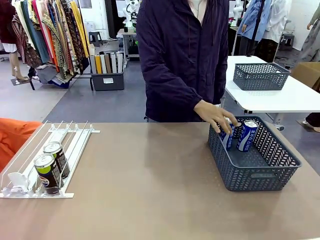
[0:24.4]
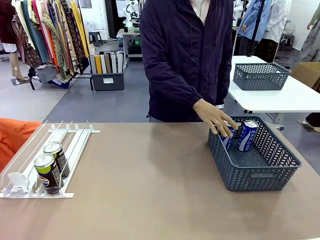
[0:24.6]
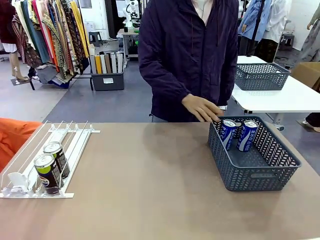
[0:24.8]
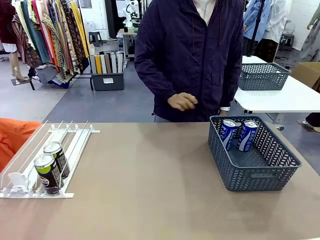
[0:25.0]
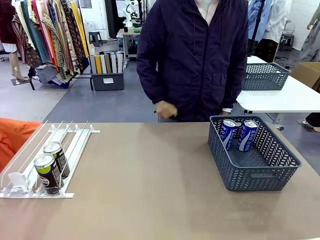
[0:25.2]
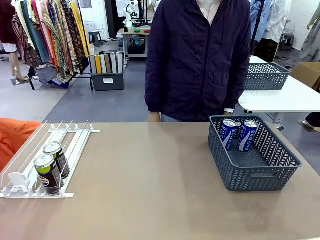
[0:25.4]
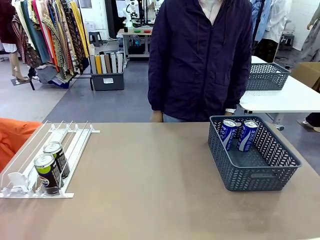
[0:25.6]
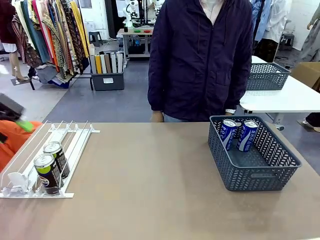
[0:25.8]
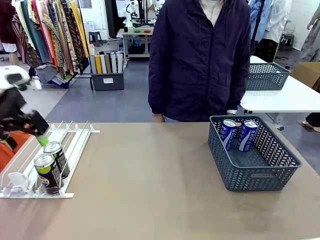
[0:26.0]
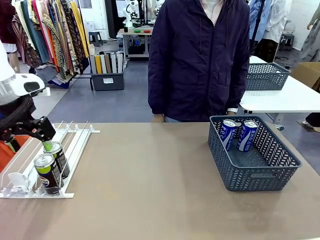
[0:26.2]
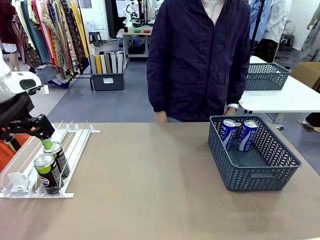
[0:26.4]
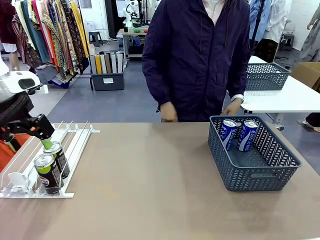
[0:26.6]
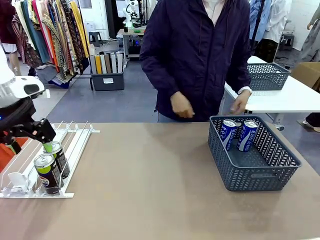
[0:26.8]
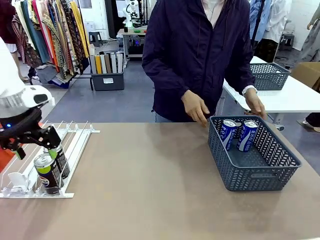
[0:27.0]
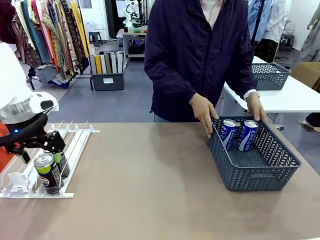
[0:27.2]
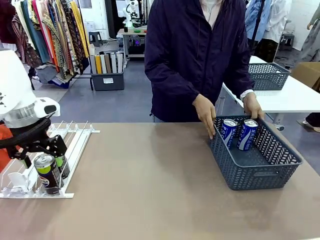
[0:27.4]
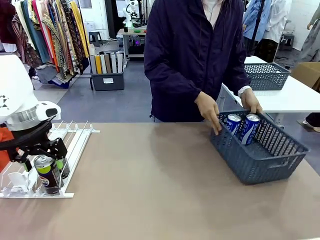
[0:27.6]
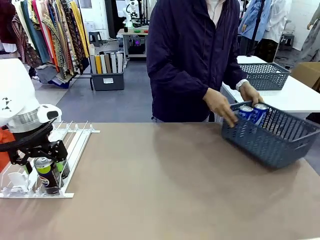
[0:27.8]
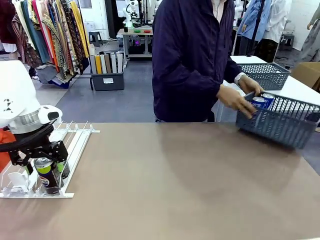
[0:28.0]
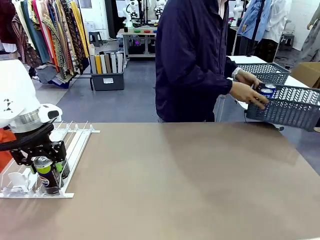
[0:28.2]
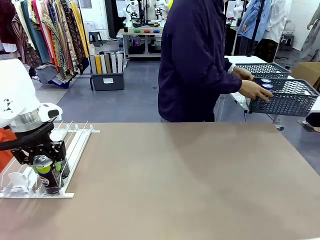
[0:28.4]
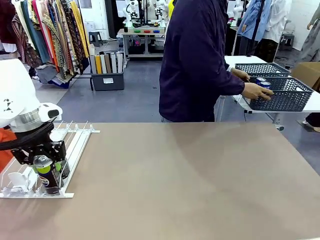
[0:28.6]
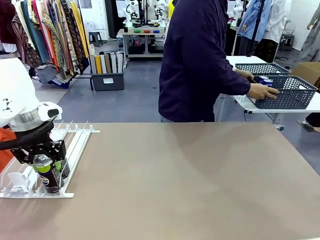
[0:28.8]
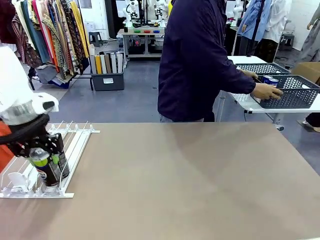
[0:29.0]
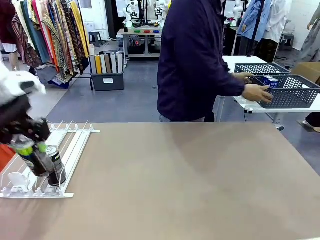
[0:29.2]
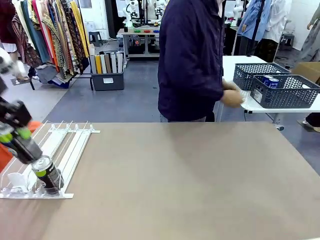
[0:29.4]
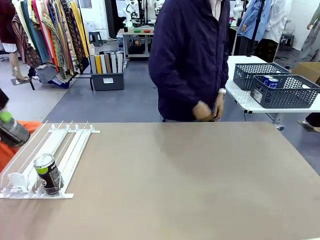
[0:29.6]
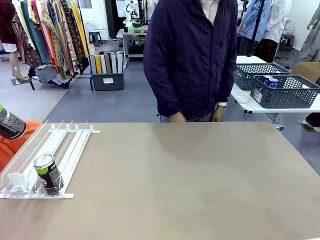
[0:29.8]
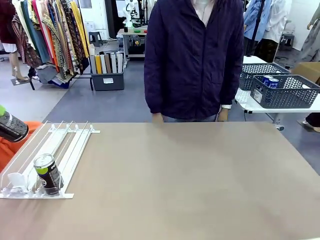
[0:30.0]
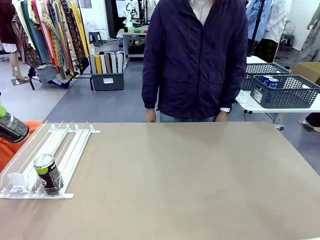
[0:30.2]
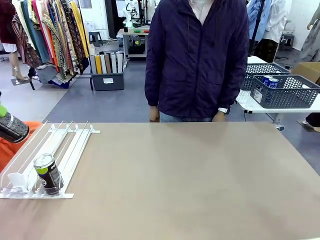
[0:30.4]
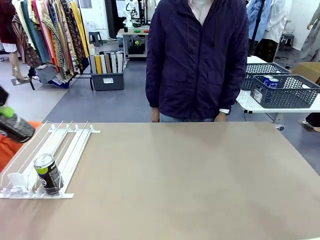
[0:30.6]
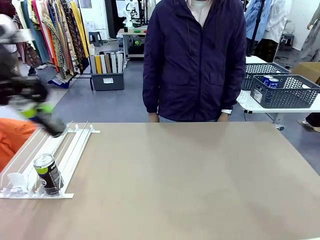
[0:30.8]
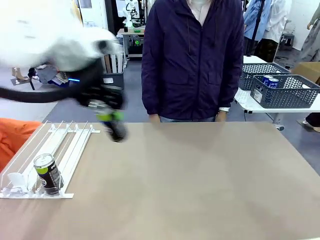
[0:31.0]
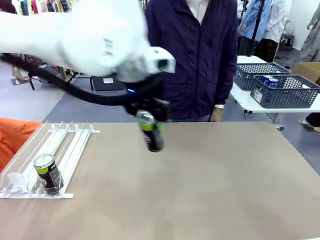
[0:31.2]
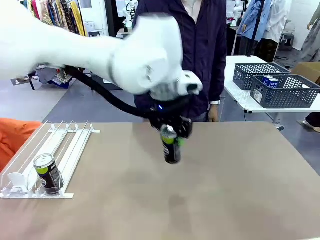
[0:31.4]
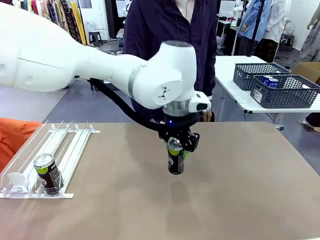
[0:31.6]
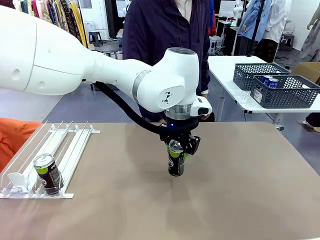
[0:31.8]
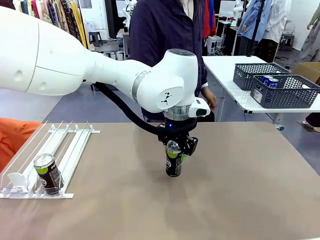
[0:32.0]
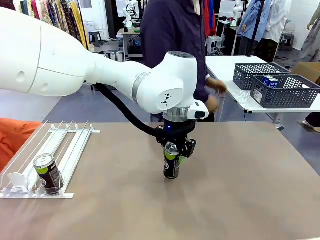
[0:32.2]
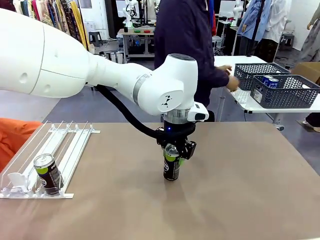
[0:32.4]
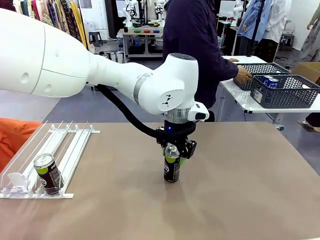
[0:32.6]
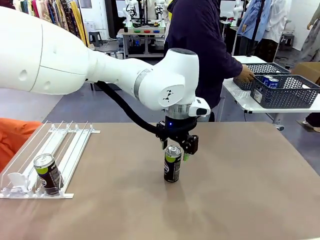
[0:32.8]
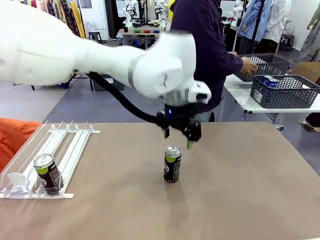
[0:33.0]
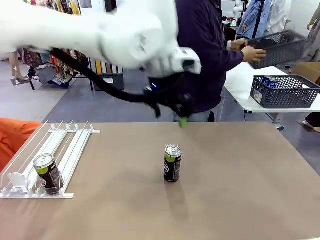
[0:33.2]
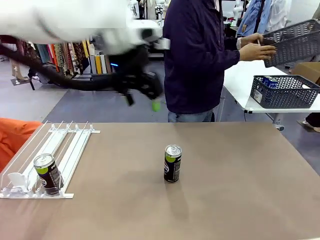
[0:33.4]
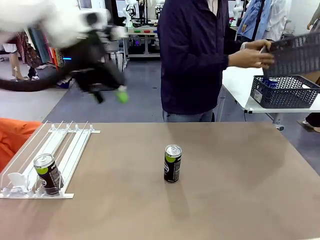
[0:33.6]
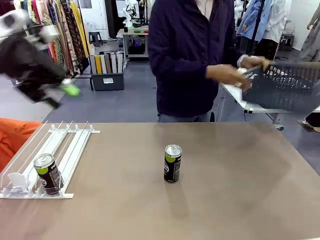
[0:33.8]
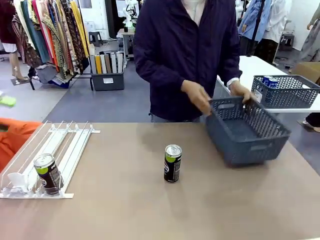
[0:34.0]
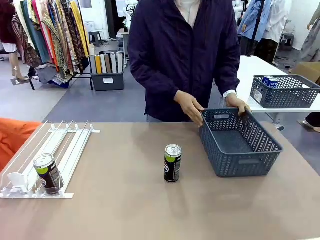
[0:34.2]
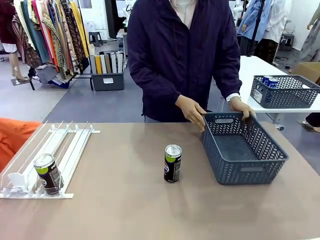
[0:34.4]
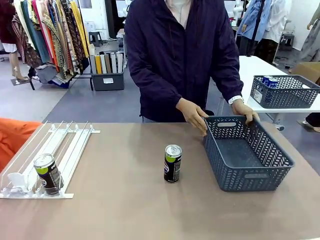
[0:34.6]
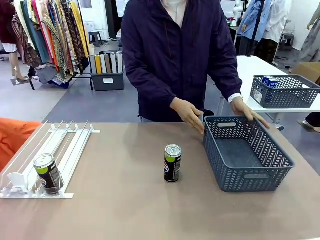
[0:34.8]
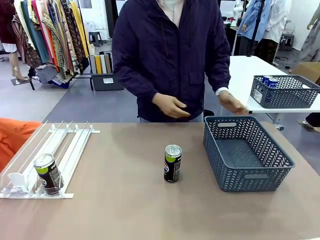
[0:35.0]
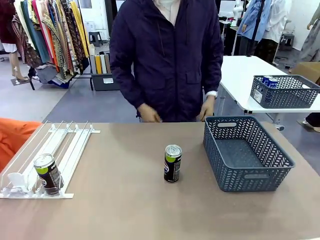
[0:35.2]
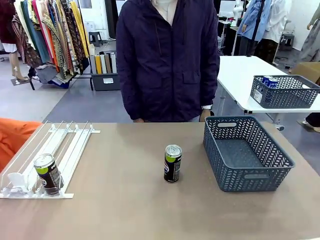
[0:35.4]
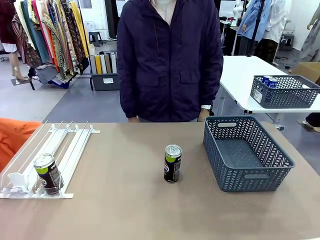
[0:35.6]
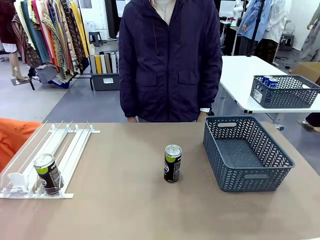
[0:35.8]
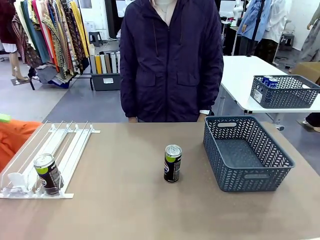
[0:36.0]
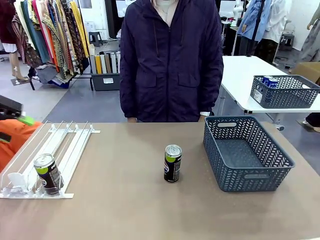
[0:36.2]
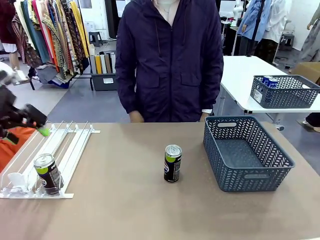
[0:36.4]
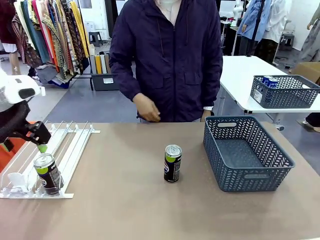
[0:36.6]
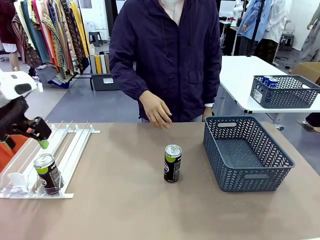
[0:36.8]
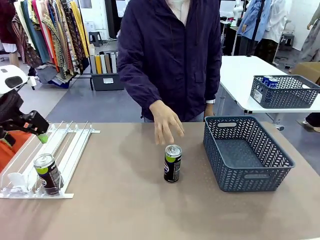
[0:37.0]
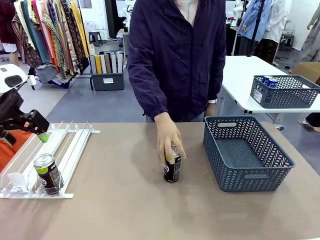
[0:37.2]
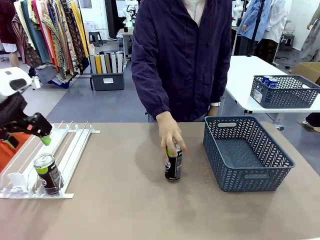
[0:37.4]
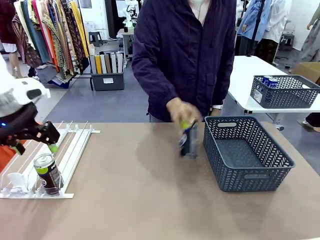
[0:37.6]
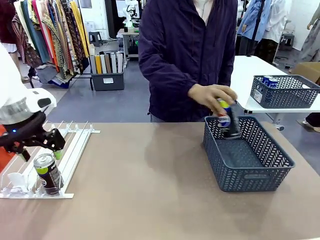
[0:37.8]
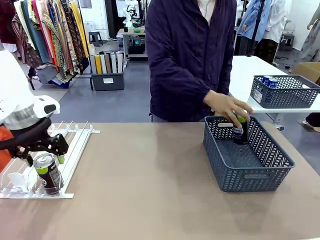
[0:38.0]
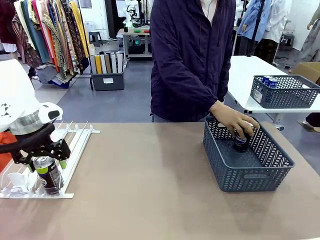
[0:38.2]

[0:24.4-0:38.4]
Task: Retrieve and store the cans from the dispenser.
Robot: Pick up one can from the Automatic Can Dispenser and place it in the middle of the table.
Person: Pick up the basket and place it in the middle of the human table. Pick up the empty basket and place it on the left side of the robot table.
